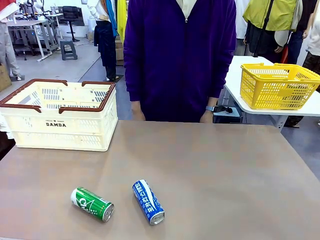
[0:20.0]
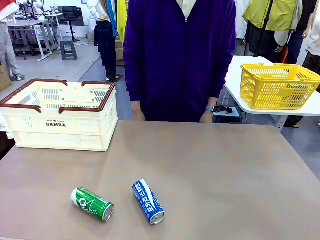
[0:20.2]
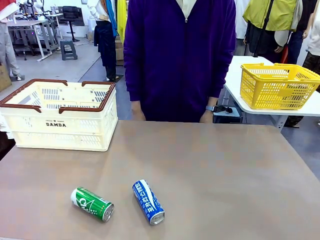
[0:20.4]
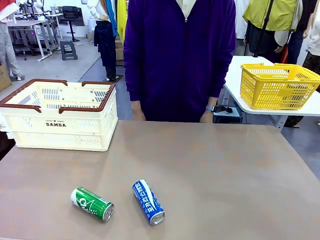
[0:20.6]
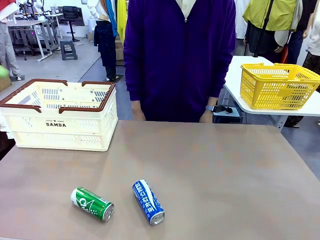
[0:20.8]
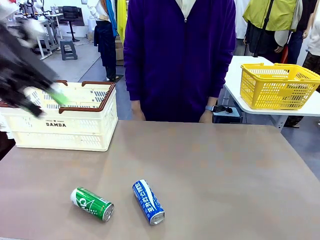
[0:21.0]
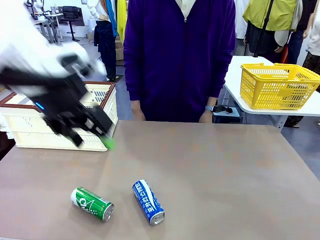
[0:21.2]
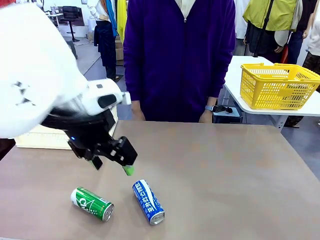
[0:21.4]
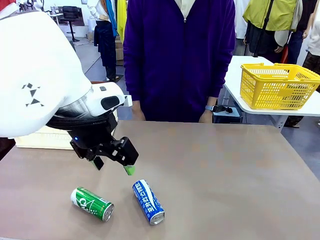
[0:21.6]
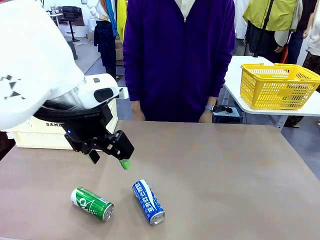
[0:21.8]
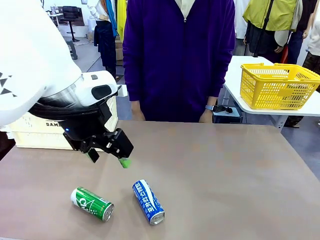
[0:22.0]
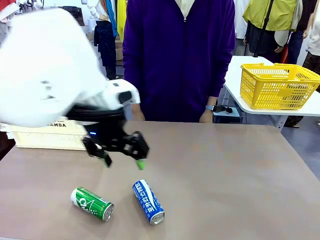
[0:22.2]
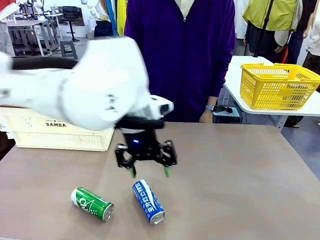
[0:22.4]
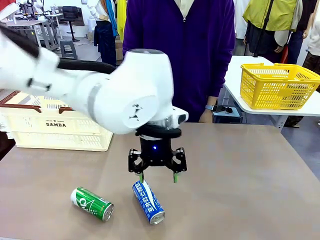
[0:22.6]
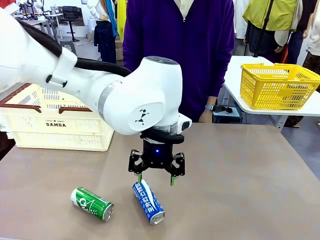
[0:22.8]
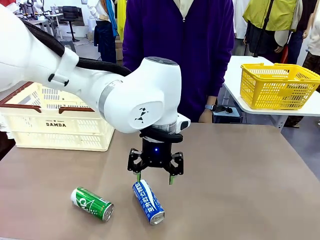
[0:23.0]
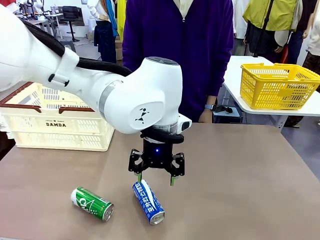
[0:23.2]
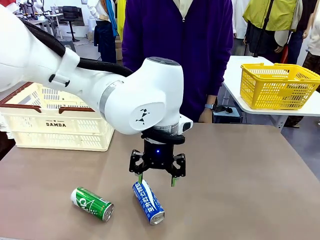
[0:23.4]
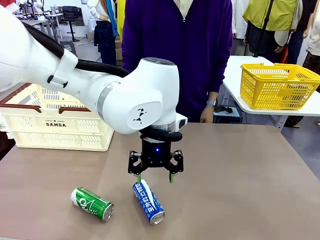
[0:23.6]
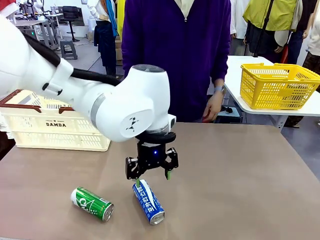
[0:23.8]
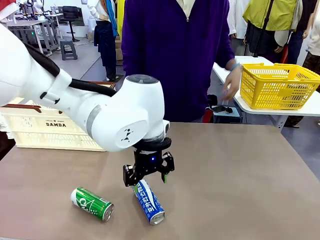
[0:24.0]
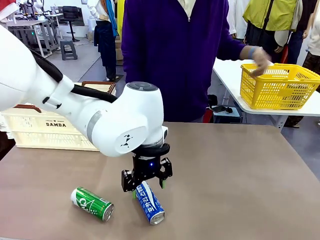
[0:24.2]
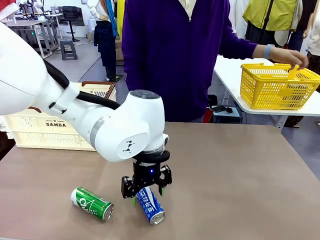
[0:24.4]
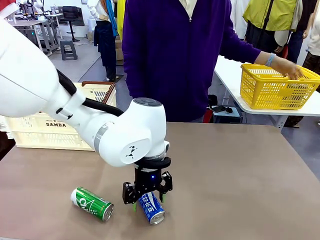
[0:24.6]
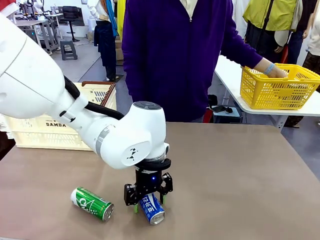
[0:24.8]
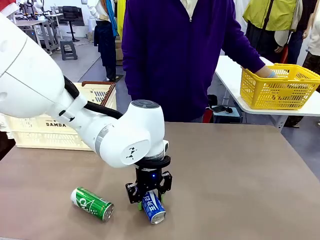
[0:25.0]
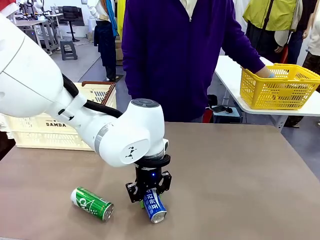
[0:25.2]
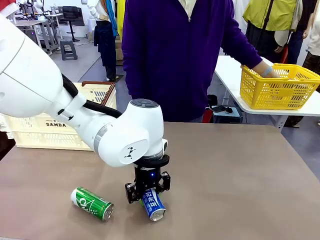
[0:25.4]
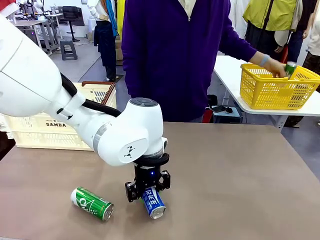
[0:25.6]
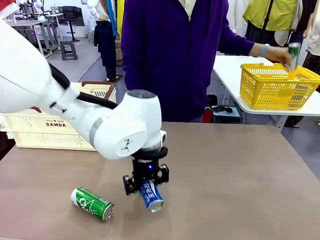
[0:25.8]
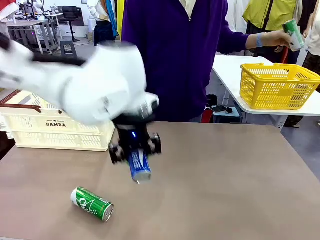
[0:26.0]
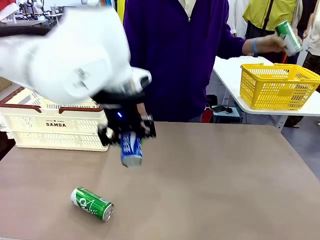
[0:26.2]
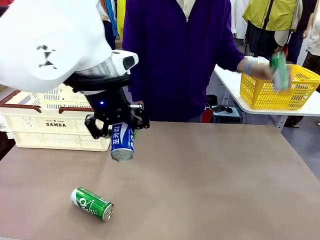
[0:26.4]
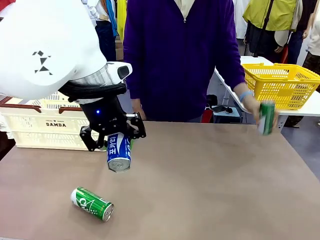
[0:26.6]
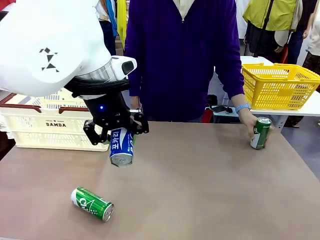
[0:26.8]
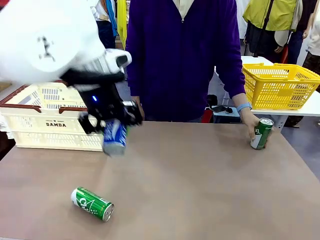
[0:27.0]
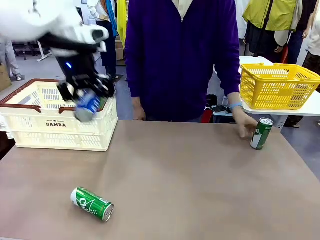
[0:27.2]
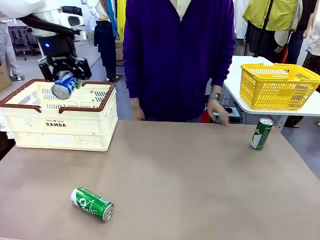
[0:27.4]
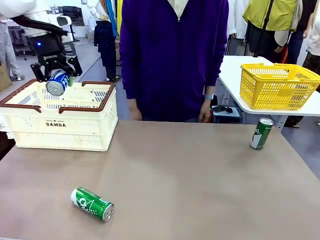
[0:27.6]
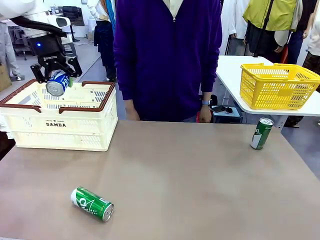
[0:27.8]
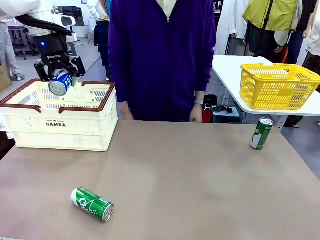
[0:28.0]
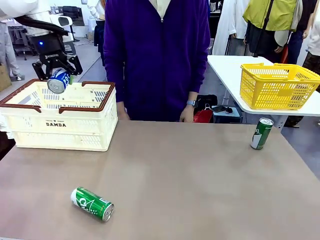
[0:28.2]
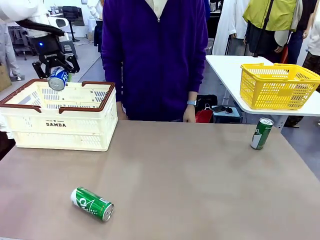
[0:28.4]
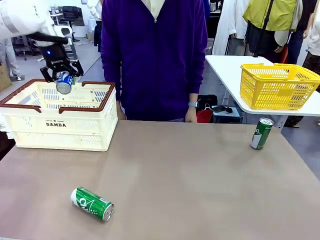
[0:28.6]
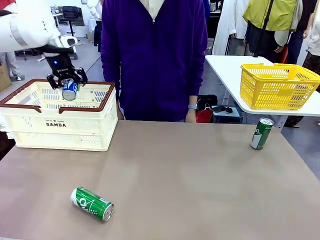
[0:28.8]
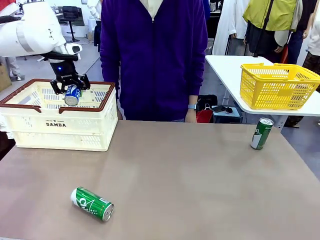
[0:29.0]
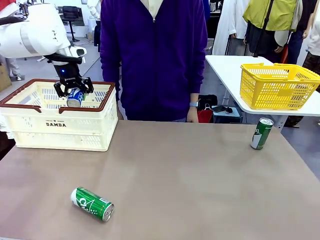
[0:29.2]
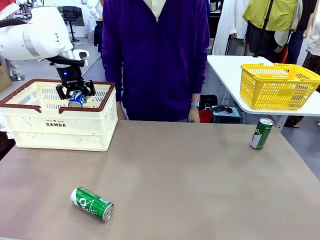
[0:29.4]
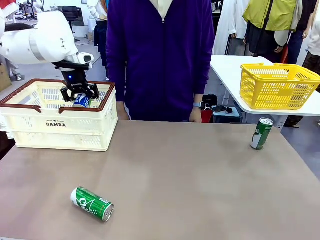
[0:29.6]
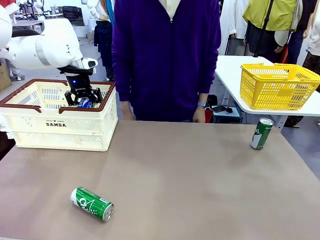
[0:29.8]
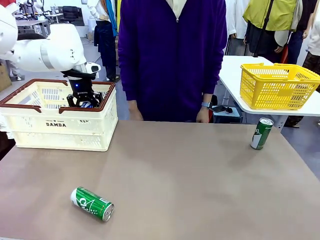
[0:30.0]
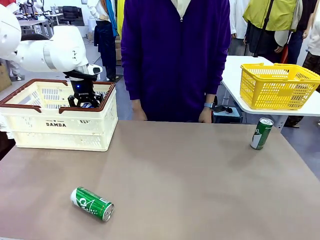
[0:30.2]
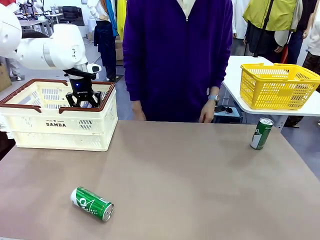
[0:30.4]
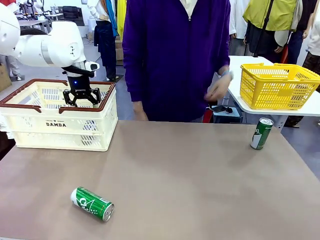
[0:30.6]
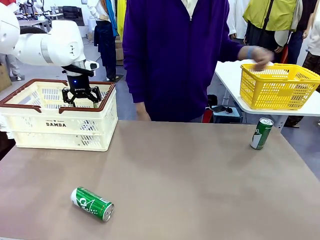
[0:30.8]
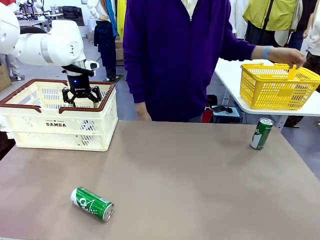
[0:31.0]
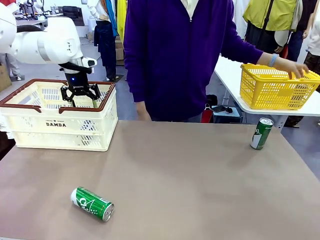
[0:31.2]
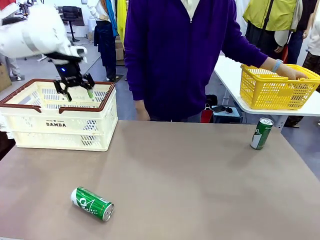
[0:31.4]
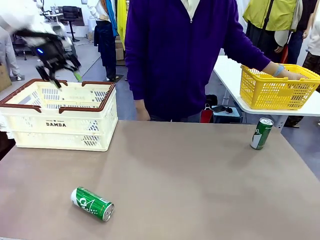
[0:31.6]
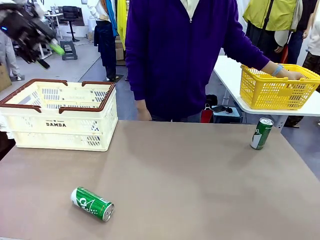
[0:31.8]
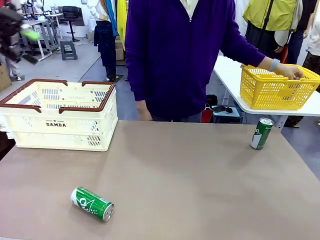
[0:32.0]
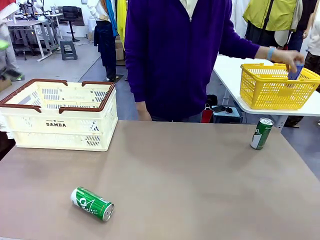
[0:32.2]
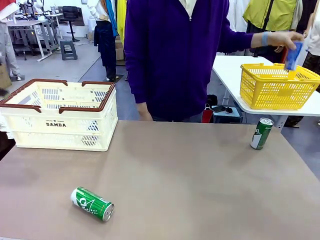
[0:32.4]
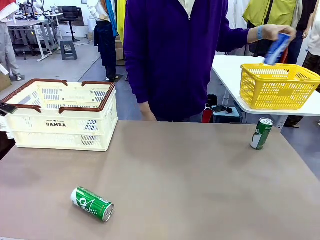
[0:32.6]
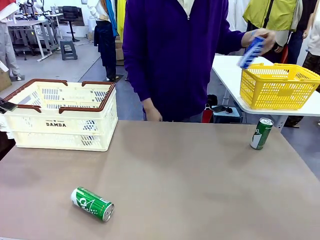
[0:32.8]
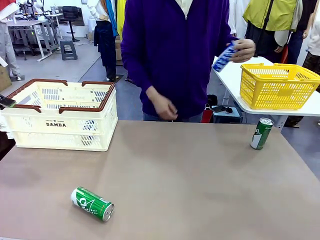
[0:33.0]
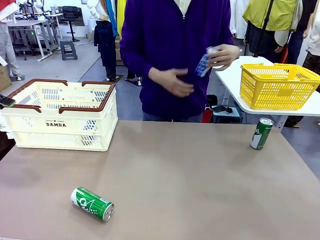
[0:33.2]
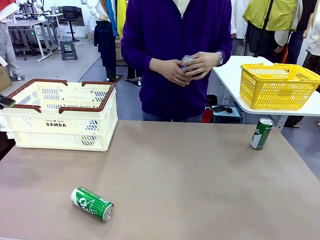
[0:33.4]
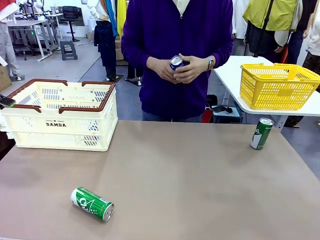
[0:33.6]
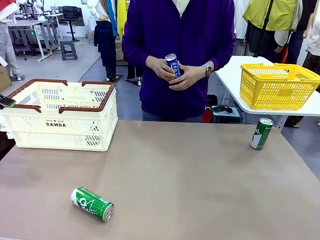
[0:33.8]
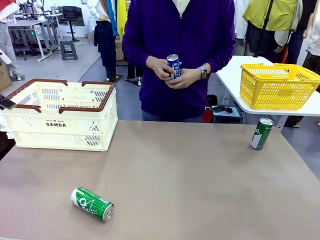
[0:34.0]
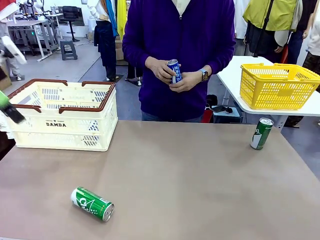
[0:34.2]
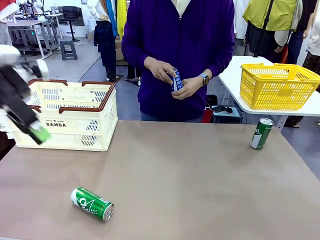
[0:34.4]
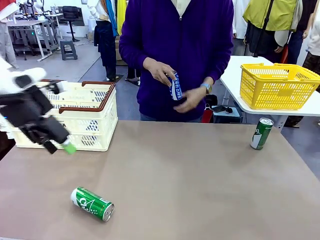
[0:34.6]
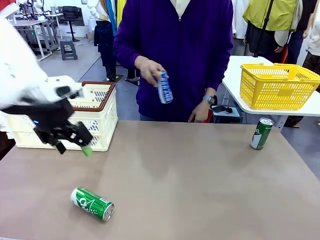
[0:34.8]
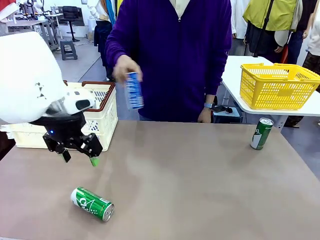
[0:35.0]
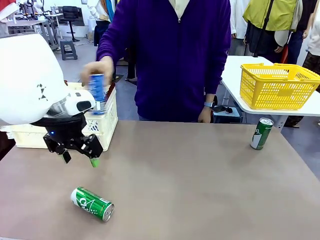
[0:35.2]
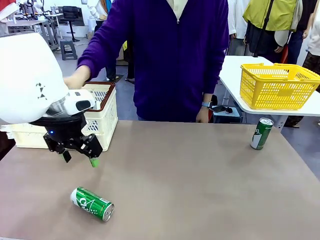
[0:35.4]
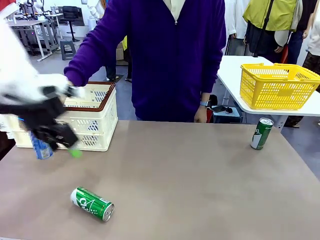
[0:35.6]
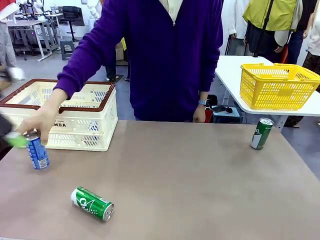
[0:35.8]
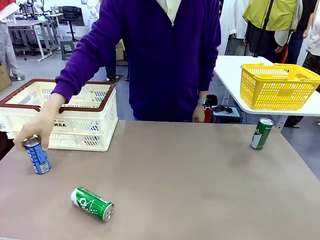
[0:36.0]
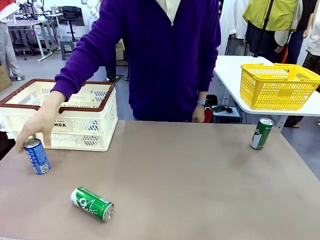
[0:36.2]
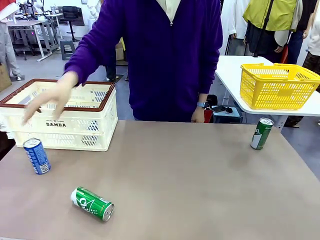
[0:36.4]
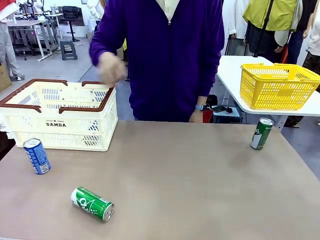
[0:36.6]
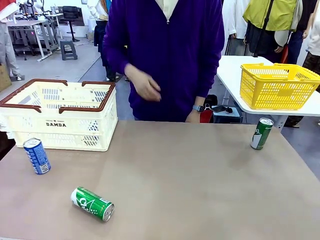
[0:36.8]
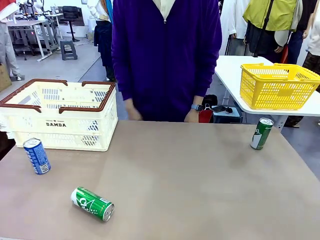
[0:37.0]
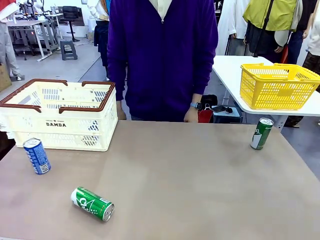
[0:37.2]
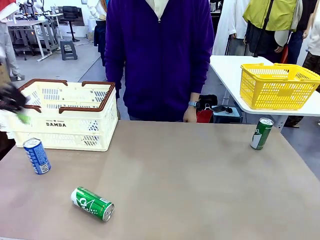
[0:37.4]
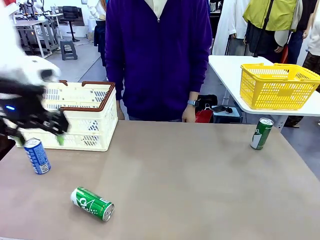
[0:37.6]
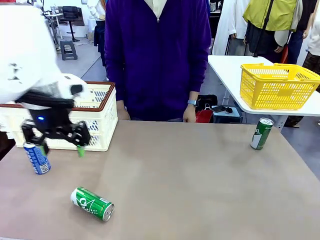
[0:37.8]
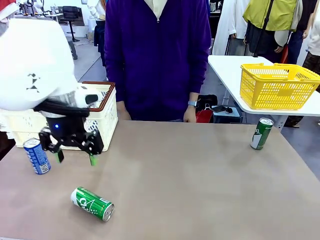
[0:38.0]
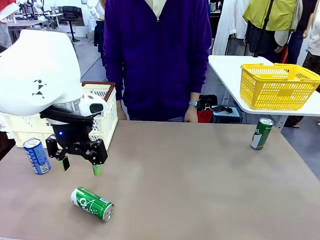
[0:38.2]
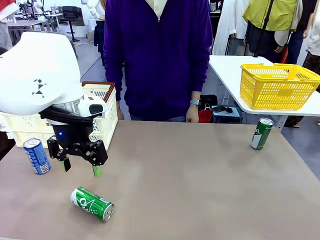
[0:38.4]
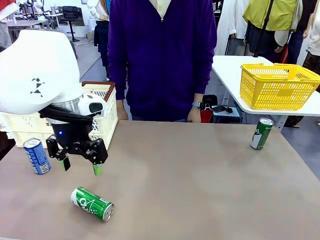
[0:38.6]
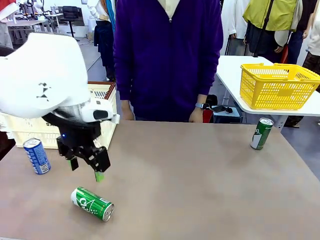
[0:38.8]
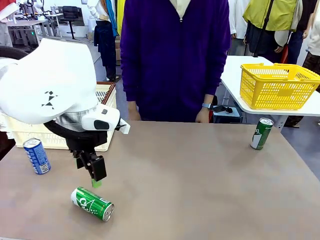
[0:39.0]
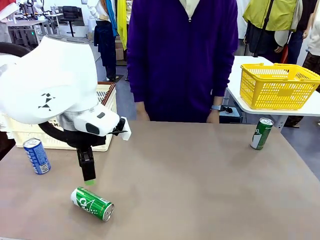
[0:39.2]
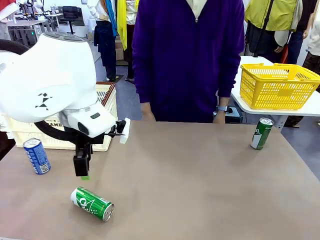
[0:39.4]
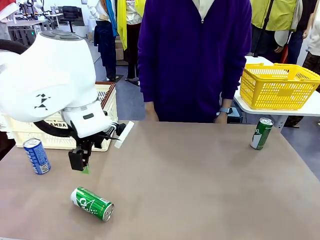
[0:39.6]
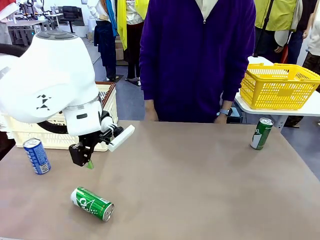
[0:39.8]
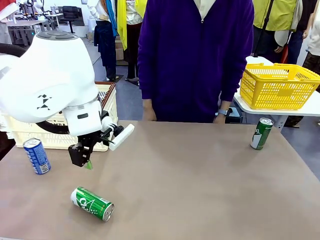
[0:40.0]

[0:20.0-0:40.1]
Task: Place the drinks into the Shopping basket.
Robot: Pick up one drink and place it into the Shopping basket.
